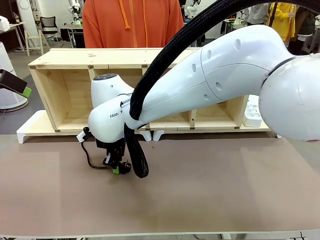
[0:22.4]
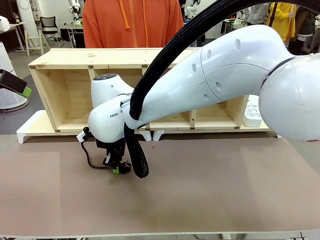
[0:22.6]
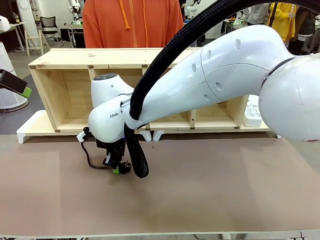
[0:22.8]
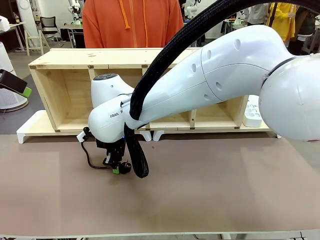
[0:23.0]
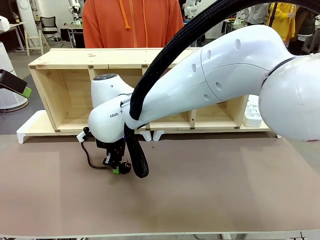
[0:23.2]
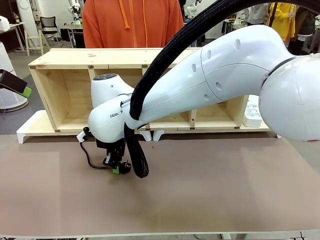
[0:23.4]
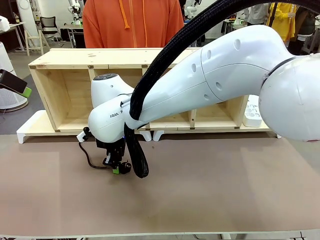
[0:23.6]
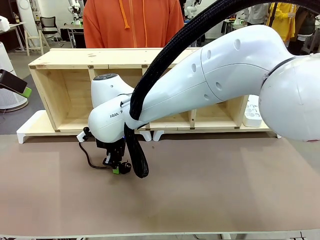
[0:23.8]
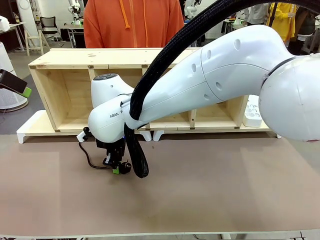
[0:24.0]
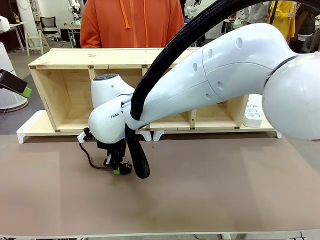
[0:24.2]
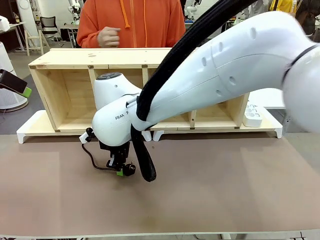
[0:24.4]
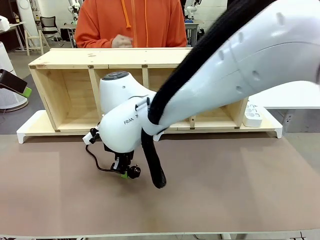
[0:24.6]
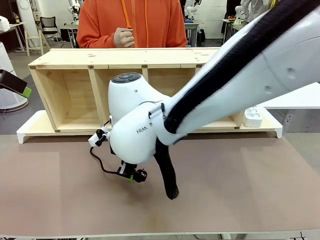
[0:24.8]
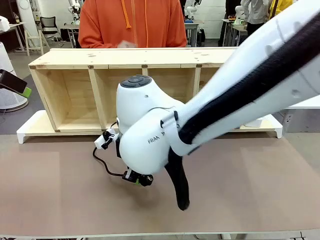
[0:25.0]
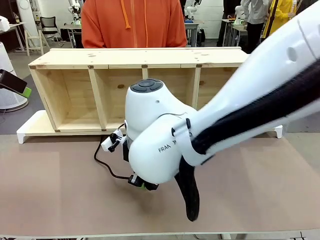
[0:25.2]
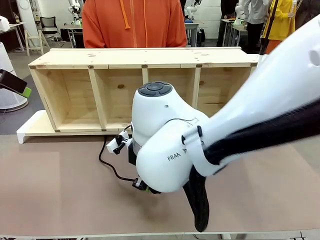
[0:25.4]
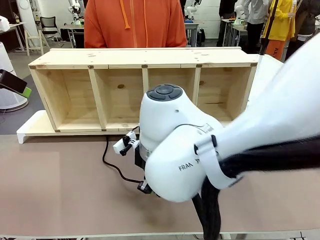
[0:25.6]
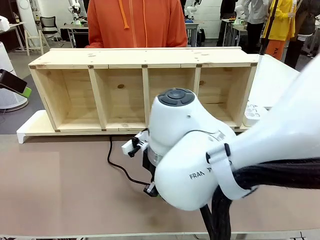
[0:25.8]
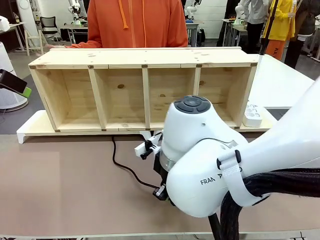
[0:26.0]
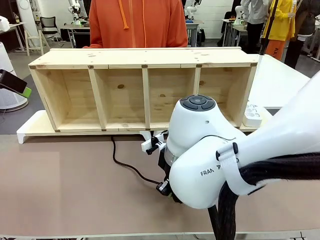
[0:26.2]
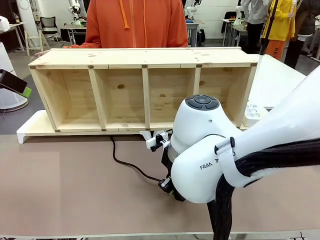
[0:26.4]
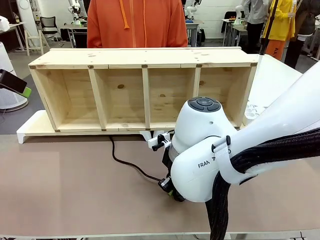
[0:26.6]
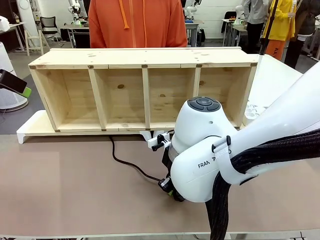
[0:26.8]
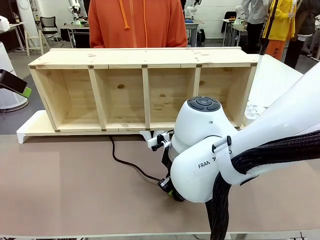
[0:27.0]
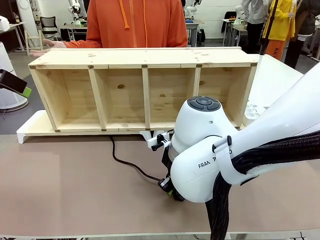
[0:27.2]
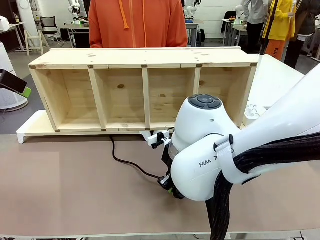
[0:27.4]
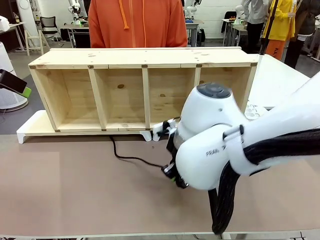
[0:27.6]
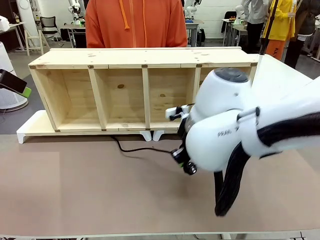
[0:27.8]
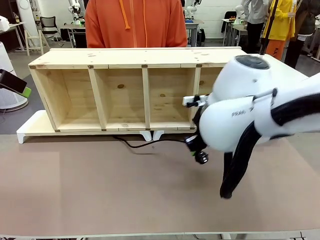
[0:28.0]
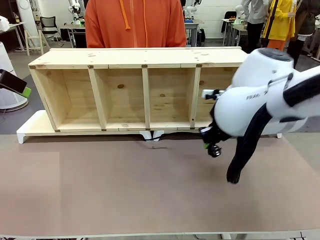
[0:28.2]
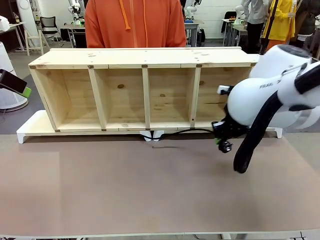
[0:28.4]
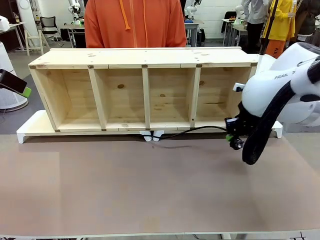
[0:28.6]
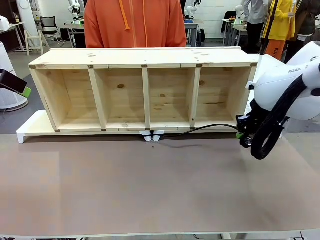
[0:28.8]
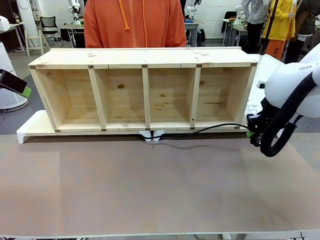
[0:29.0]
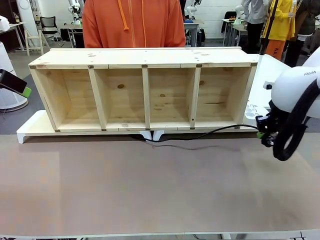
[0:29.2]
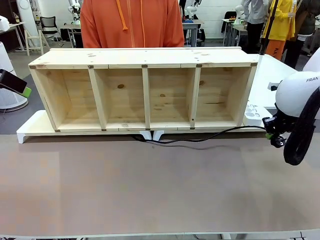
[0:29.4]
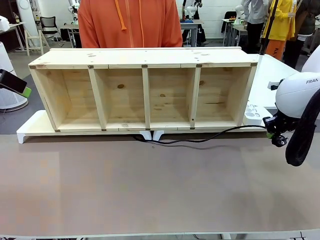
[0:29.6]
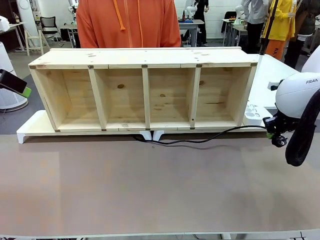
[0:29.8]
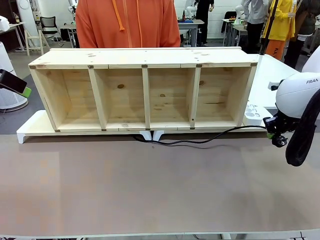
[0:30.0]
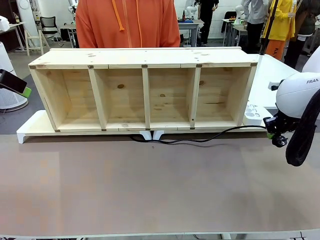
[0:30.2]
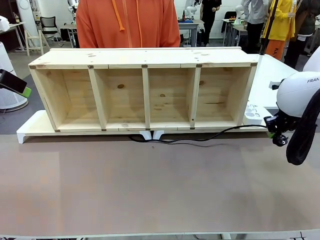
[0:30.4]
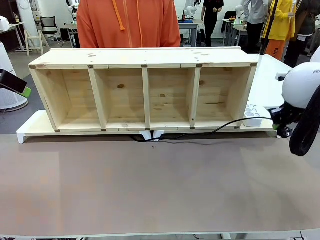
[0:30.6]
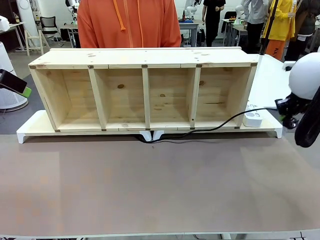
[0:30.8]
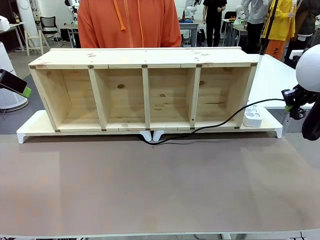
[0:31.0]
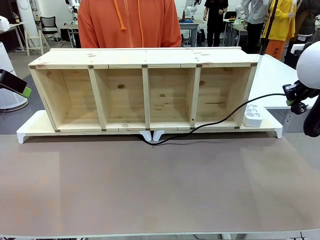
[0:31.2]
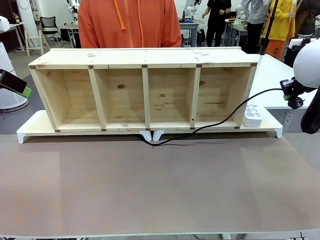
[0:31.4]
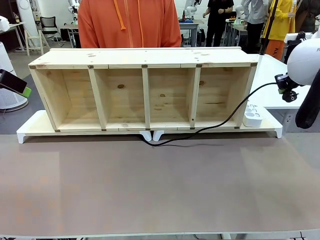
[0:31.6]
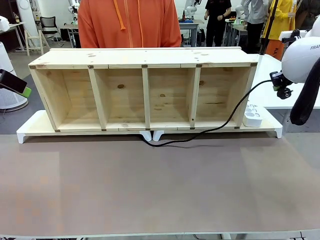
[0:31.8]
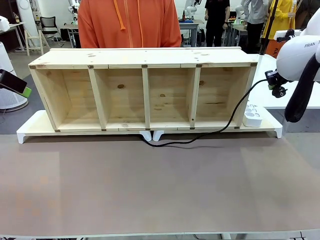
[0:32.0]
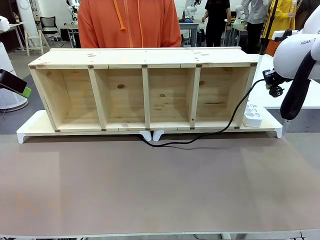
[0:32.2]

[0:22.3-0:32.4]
Task: Perform cable management.
Robot: Pull the grasped Power Cable to the location of the Power Strip.

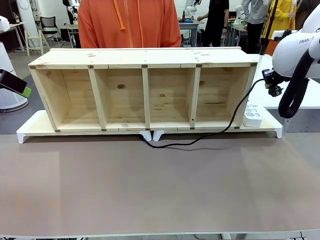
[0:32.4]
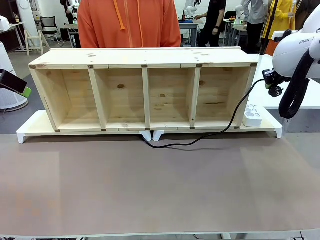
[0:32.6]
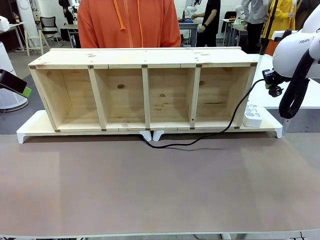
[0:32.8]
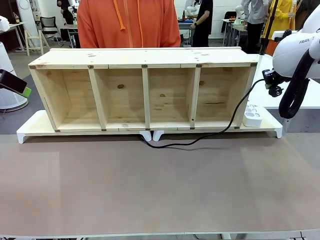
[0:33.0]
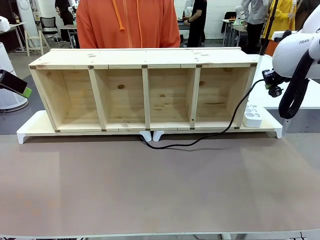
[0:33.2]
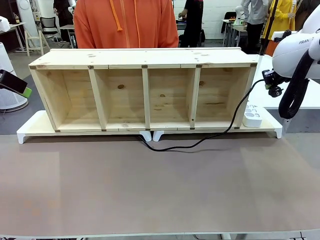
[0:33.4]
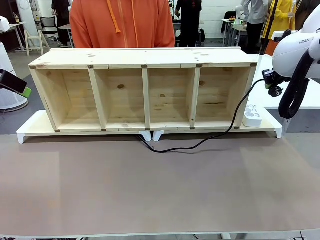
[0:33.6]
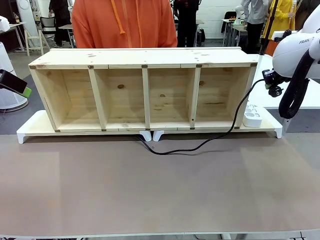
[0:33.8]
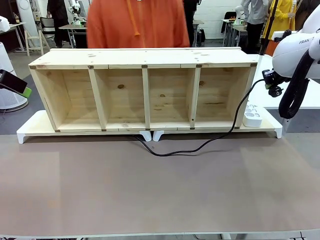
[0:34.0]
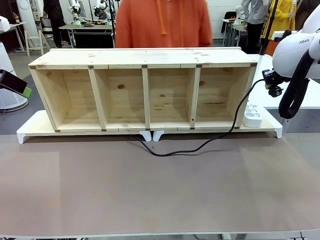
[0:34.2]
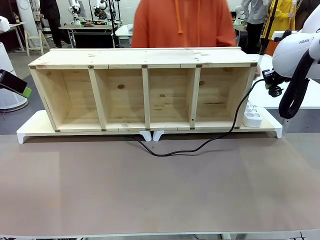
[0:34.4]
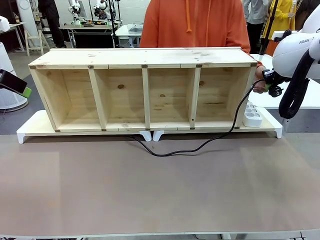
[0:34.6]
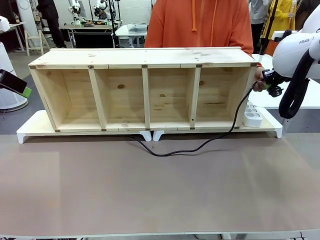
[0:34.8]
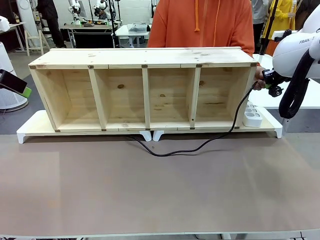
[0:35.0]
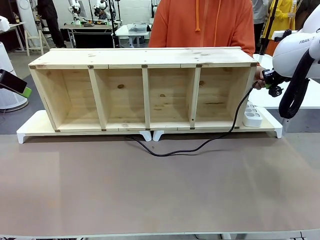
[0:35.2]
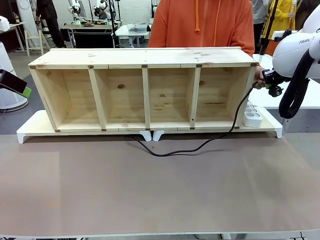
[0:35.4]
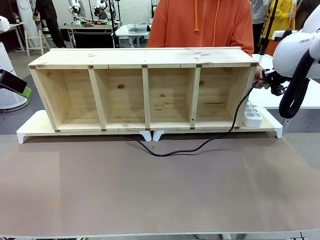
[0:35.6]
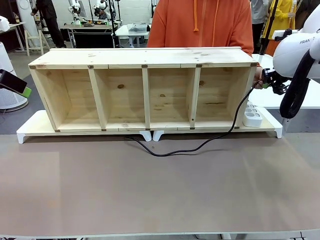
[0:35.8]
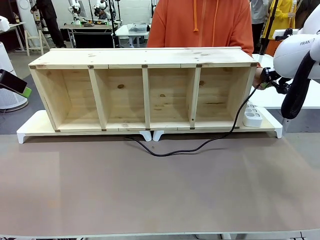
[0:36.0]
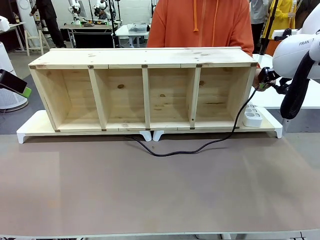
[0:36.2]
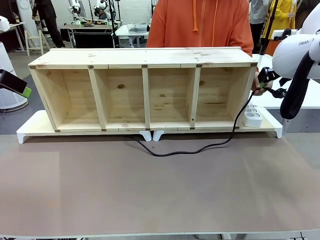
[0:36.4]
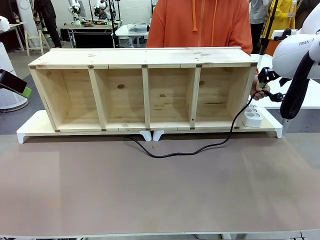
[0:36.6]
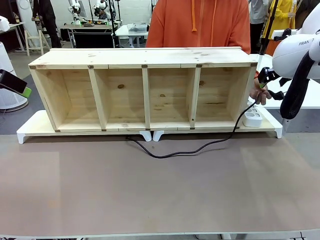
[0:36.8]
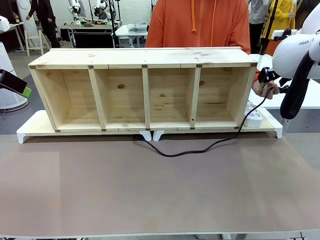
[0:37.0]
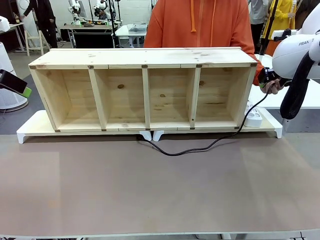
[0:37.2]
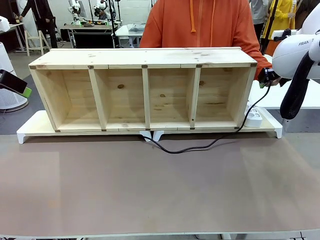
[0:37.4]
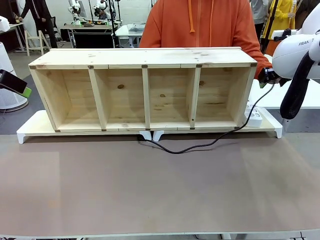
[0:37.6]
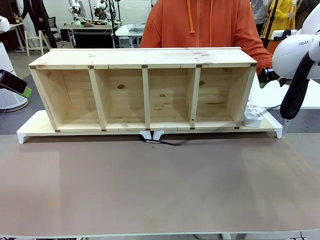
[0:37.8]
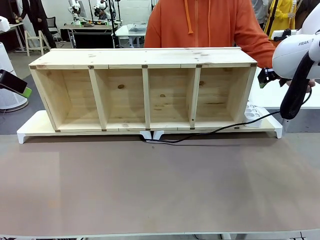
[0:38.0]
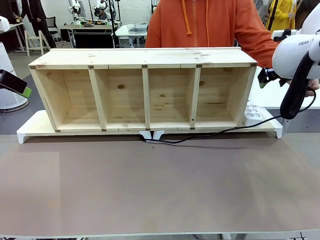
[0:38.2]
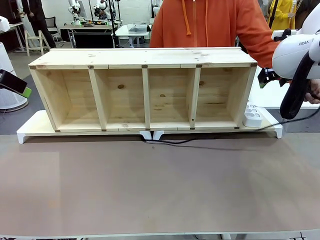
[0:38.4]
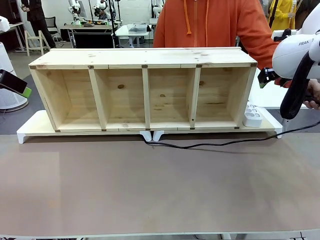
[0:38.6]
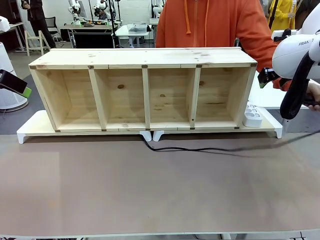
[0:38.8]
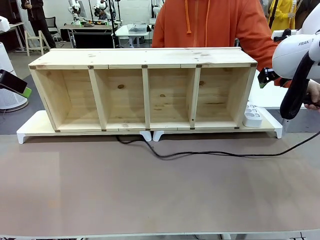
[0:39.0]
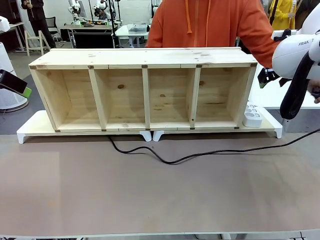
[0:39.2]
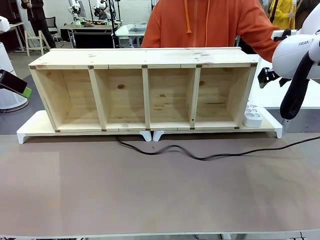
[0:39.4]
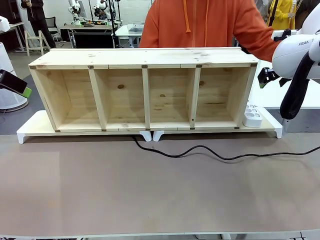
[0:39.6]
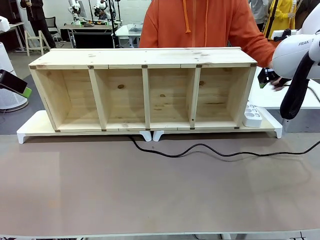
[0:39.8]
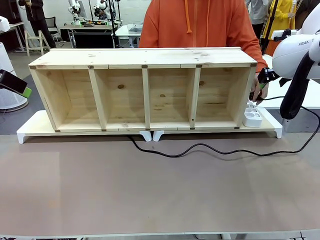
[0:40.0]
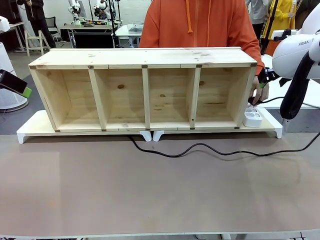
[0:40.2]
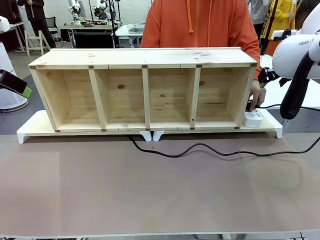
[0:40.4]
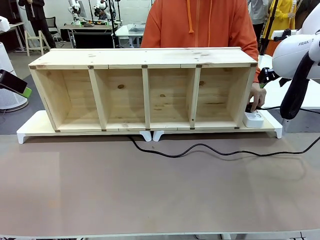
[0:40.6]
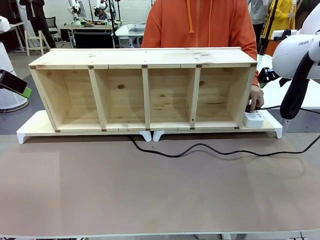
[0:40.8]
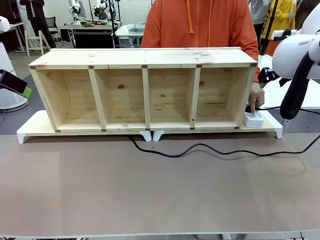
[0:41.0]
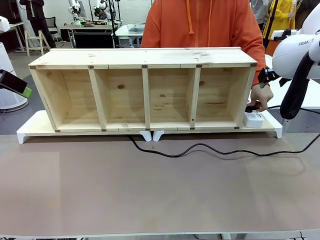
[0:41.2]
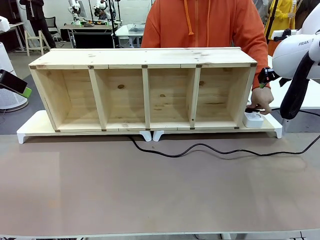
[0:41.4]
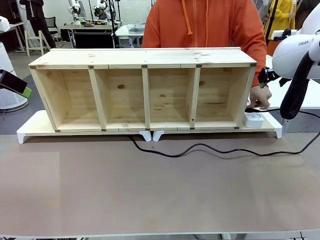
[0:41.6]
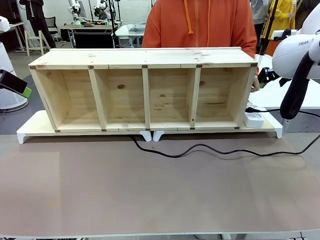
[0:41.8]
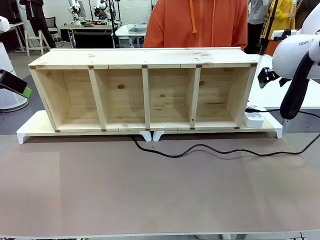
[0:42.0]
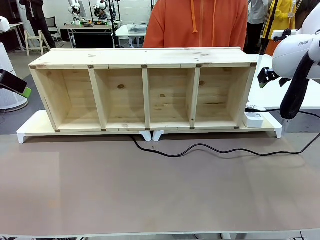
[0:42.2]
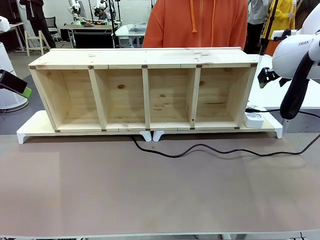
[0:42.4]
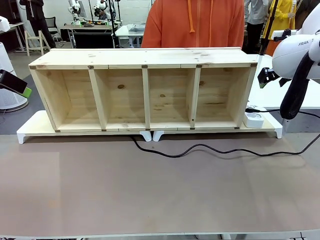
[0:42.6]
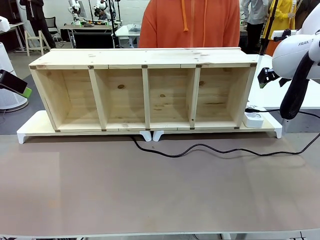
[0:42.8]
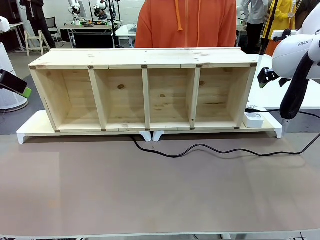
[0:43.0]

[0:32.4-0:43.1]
Robot: Release the Power Cable when the human grasps it.
Person: Plug the Power Cable into the Power Strip.
